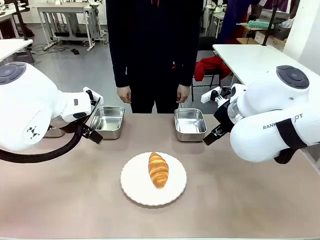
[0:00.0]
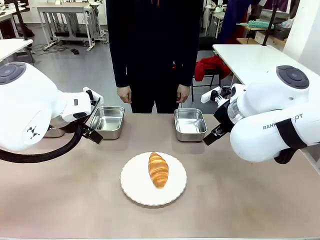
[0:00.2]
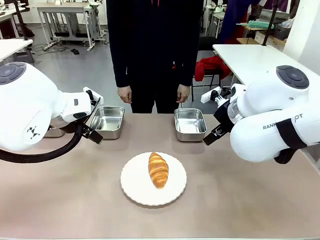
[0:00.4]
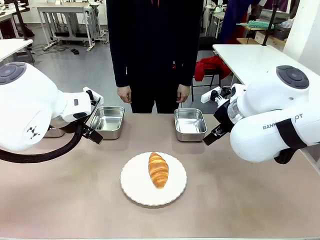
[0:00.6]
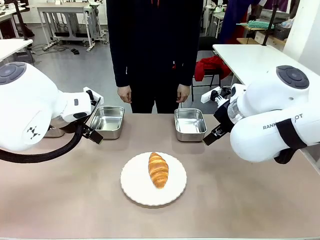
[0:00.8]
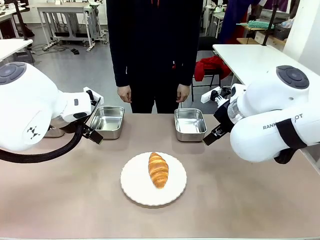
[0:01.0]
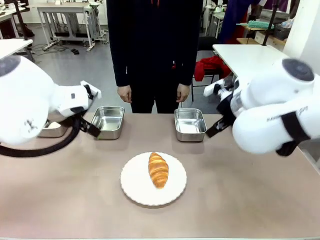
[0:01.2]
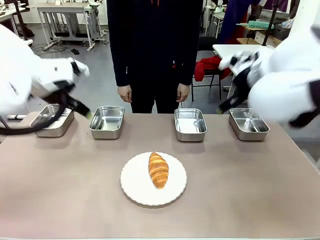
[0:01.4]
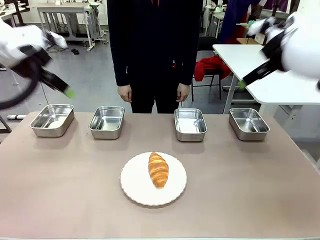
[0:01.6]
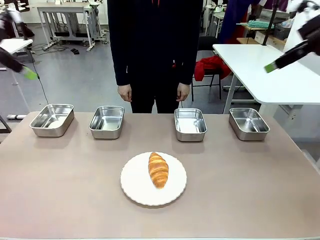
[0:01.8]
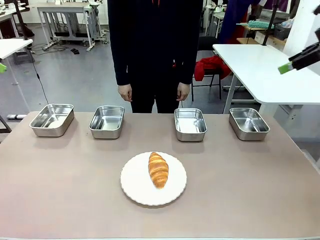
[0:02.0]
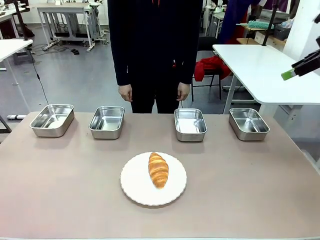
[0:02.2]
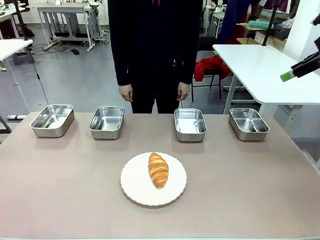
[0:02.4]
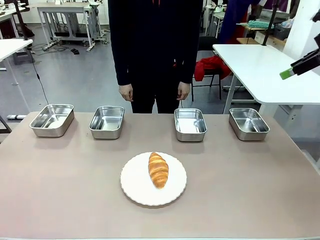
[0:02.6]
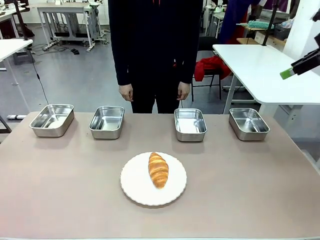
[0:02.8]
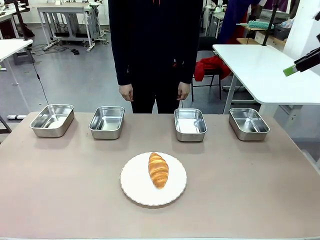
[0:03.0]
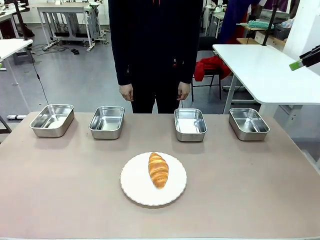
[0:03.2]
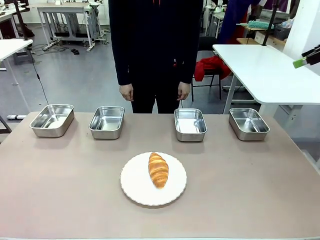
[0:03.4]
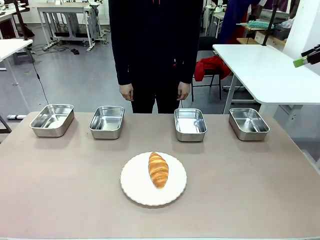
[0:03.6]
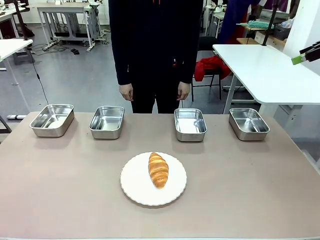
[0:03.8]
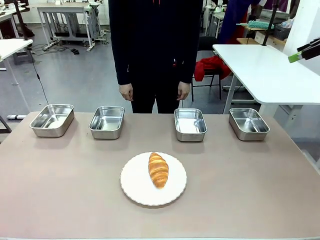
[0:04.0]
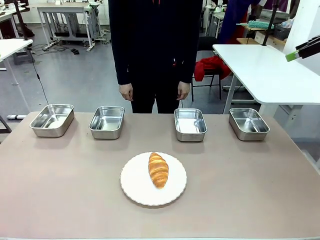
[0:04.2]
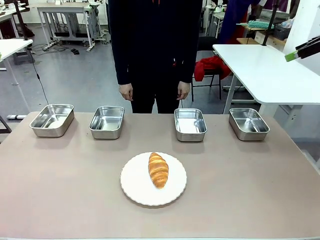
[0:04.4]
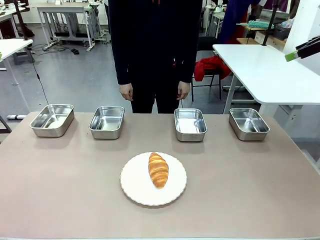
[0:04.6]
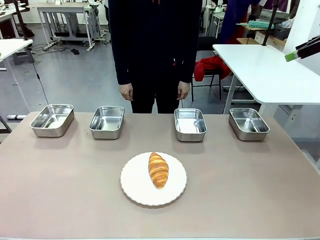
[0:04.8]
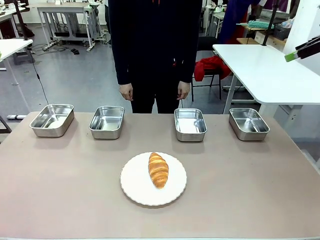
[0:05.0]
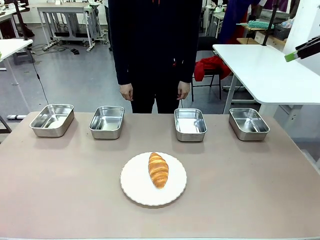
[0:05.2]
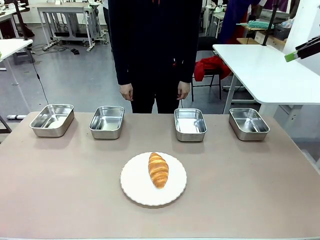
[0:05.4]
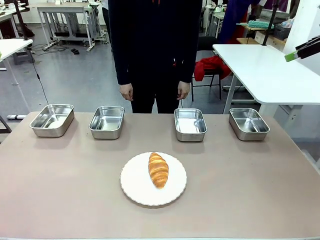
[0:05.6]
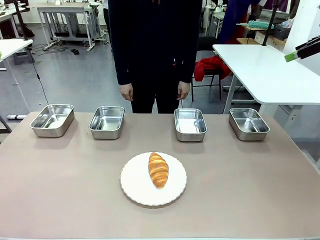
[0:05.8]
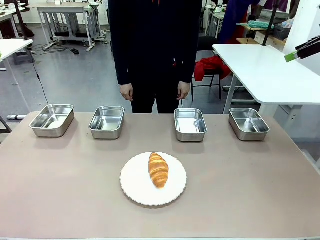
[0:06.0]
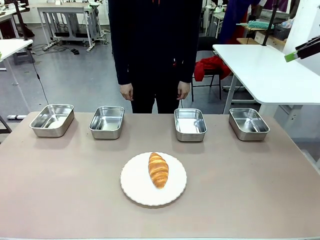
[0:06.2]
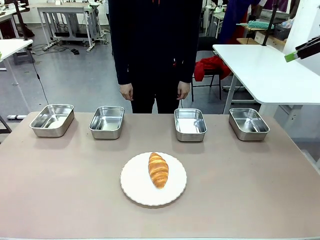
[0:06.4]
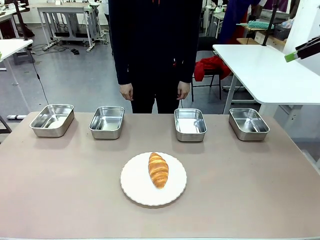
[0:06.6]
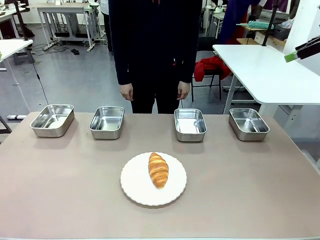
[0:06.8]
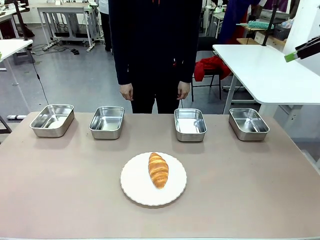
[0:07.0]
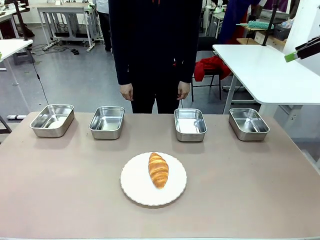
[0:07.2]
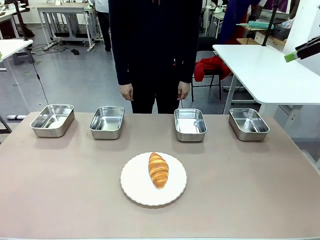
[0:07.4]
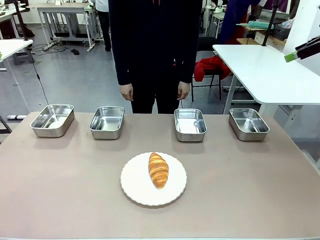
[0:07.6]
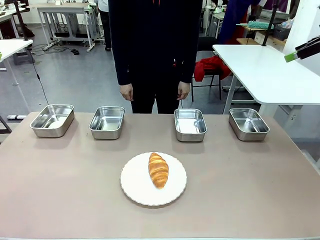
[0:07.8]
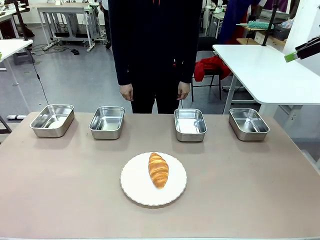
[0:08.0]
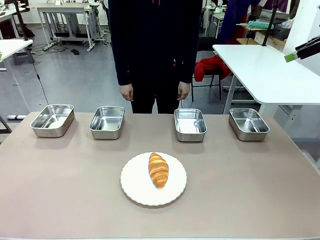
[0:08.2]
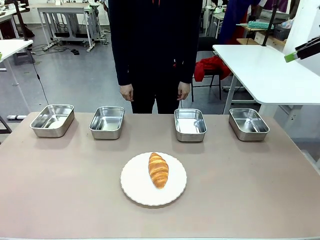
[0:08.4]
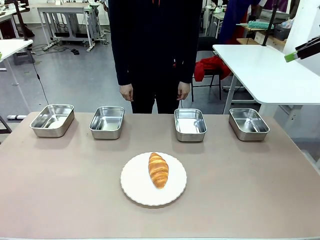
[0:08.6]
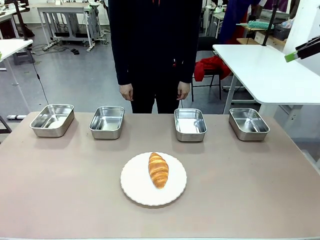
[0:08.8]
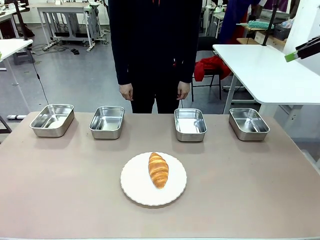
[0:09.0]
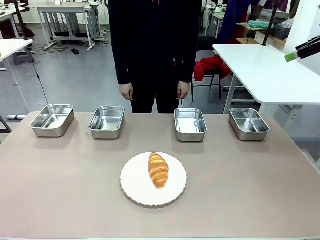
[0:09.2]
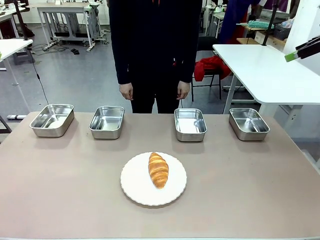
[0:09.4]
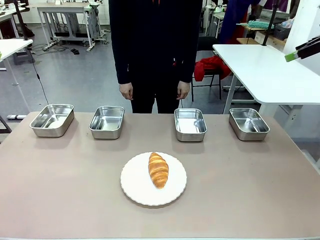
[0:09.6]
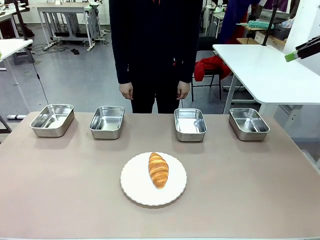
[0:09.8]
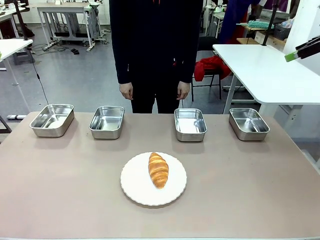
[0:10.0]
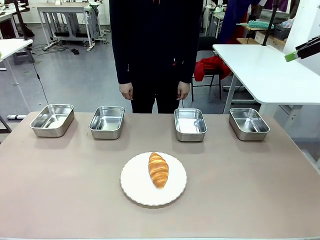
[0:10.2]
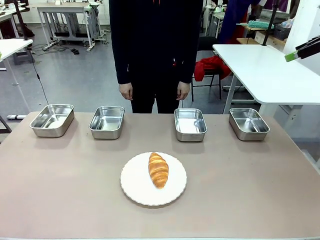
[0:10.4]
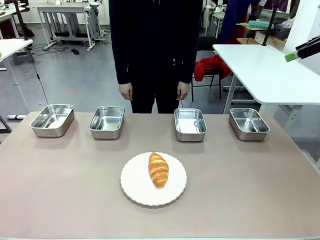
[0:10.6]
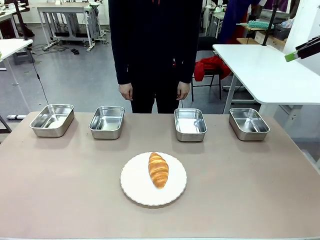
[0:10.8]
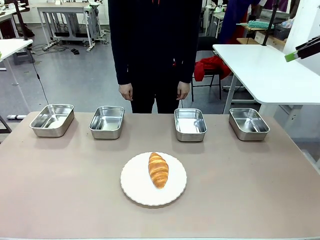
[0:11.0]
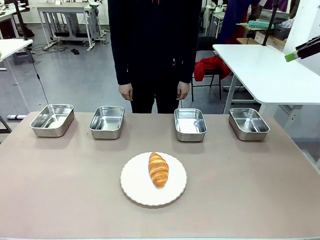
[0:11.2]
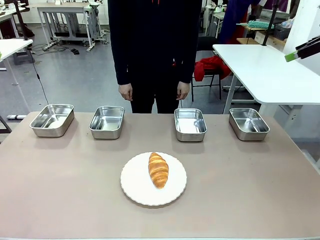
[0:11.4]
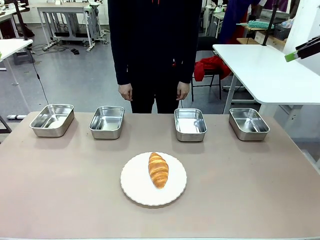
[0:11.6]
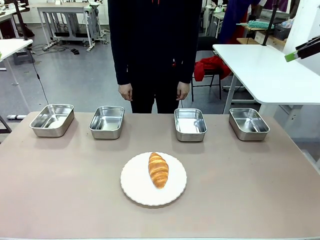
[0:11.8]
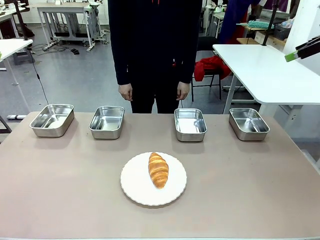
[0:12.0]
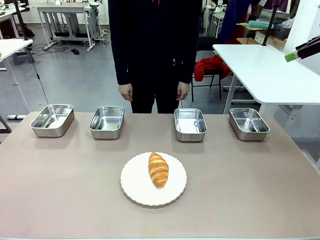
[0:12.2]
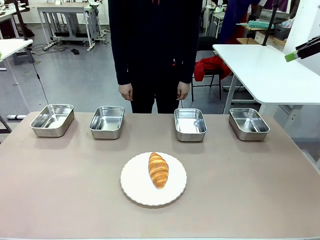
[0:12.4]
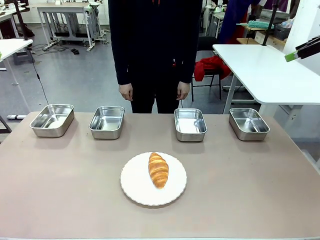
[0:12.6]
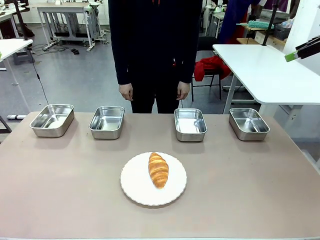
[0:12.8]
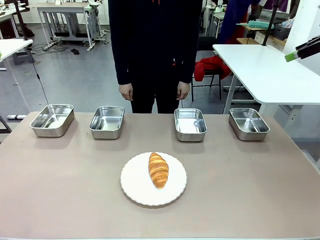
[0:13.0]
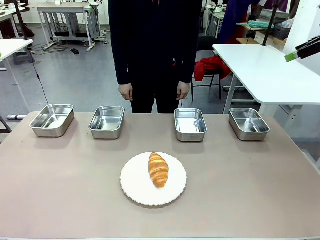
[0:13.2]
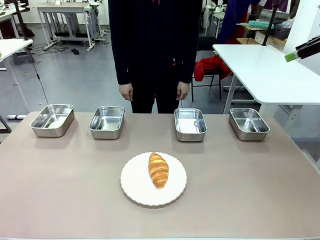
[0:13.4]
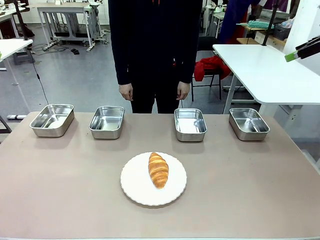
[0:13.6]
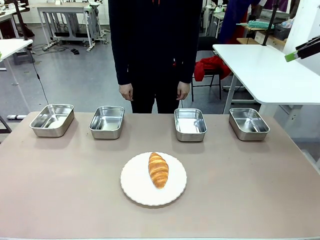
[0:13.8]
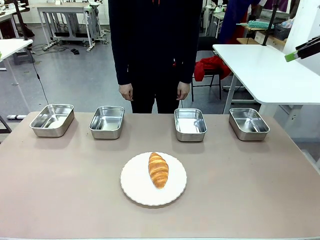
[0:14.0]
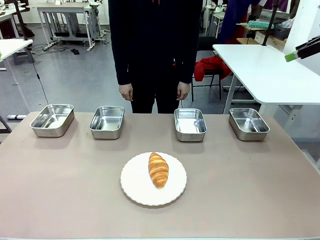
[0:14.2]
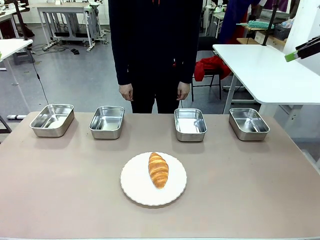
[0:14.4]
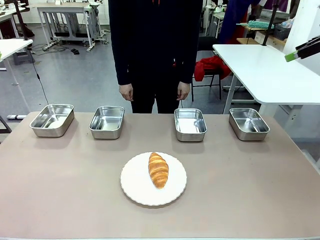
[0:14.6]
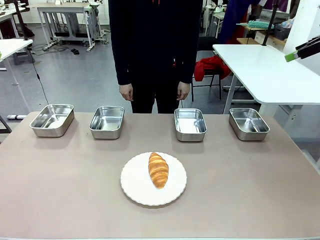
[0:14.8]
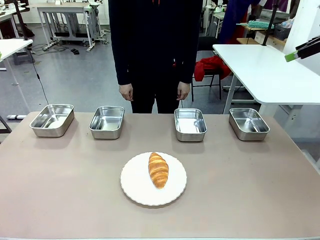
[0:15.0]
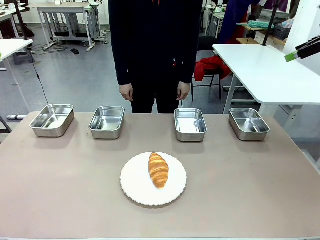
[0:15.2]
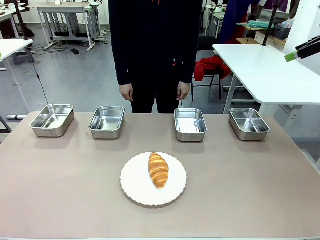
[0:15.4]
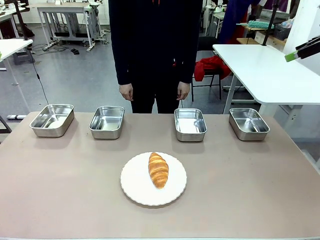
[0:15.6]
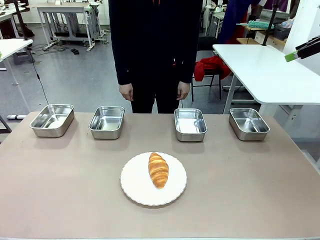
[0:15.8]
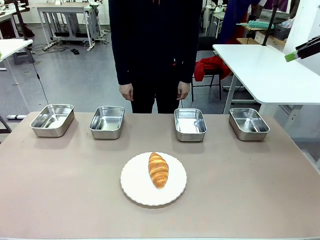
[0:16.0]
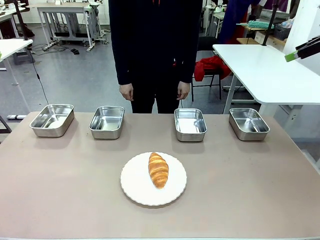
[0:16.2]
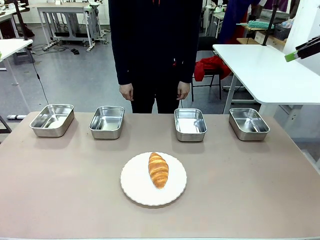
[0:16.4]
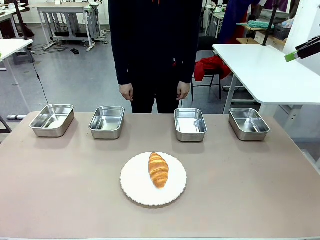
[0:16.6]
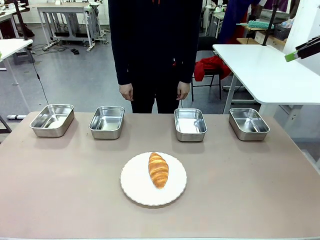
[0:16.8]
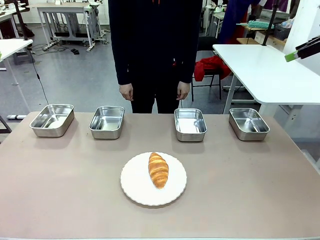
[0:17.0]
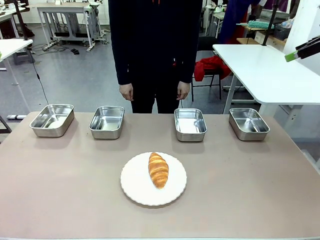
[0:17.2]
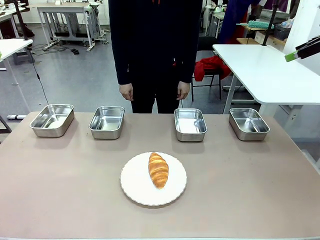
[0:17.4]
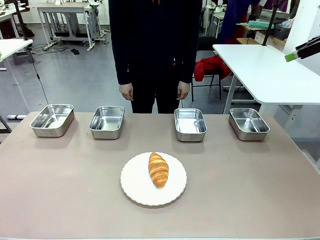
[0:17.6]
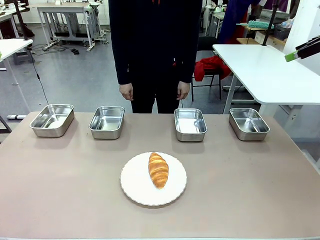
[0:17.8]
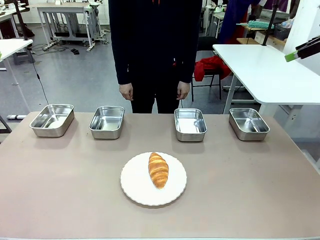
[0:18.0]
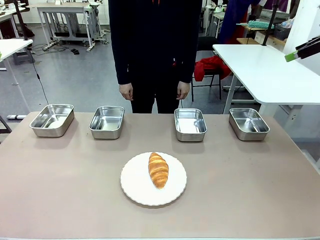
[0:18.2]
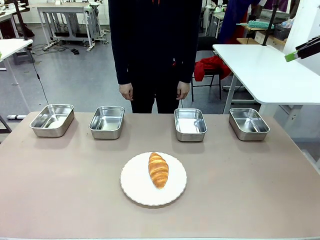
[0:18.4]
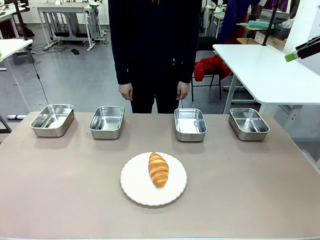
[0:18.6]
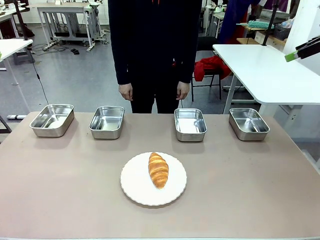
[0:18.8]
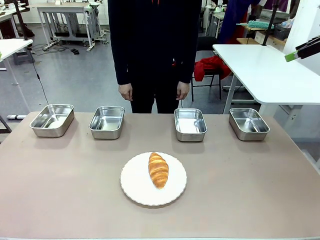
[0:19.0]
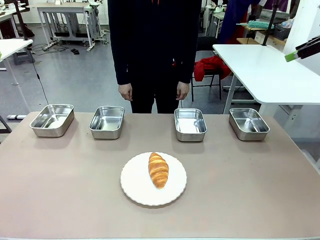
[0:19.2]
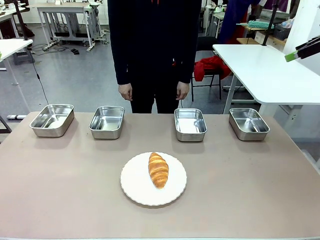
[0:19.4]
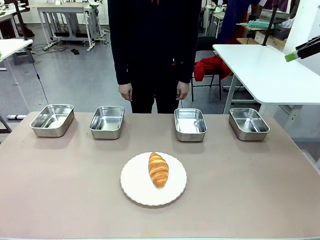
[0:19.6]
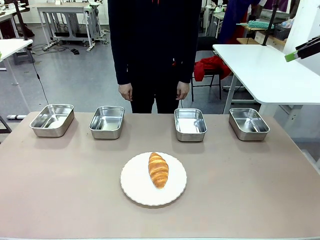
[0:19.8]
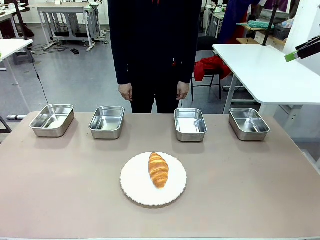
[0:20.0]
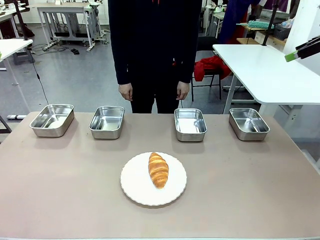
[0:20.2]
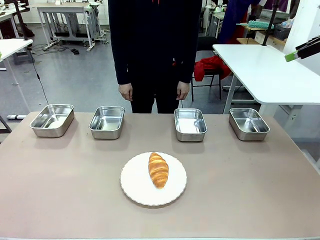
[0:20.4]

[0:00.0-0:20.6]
Task: Place the bread in the container.
Robot: Place the Butter Roll into the Airtight Container indicated by the human.
